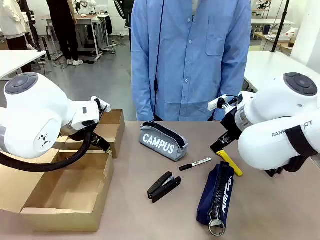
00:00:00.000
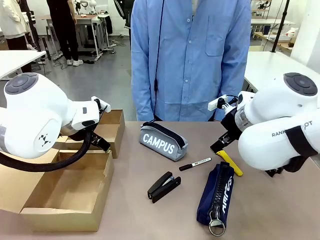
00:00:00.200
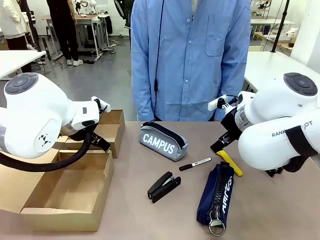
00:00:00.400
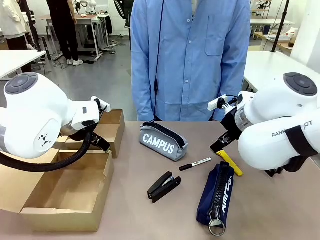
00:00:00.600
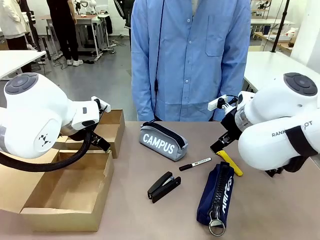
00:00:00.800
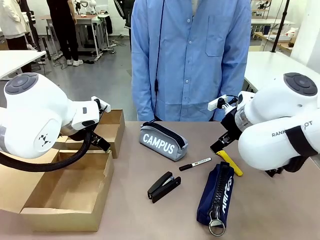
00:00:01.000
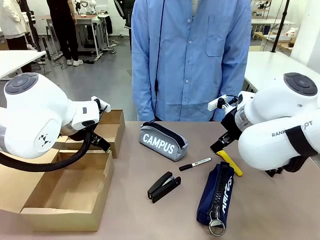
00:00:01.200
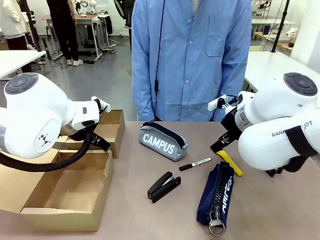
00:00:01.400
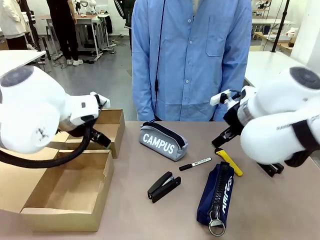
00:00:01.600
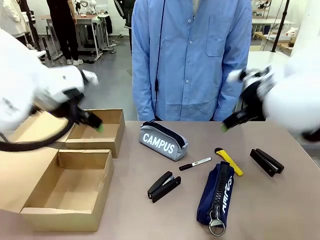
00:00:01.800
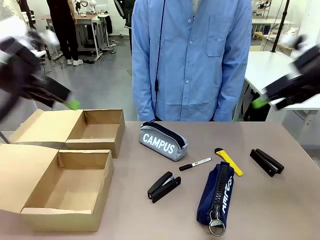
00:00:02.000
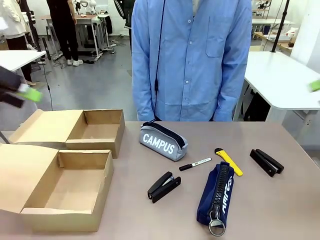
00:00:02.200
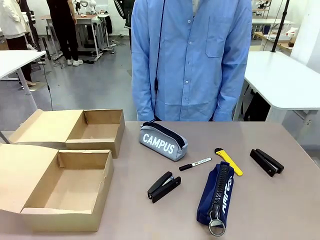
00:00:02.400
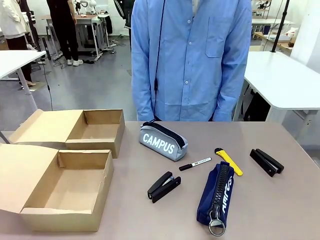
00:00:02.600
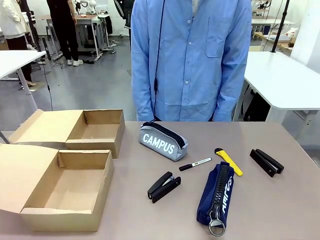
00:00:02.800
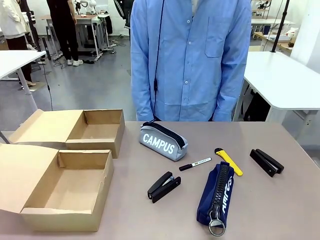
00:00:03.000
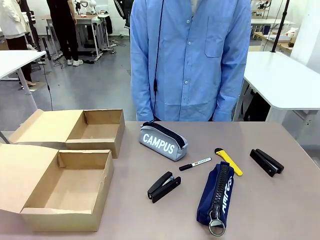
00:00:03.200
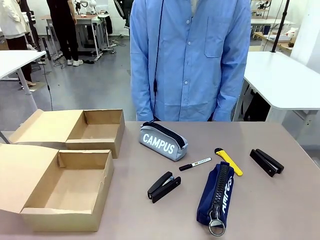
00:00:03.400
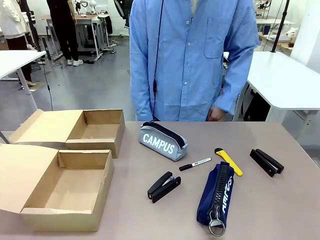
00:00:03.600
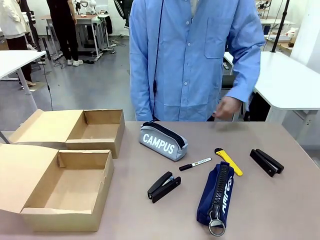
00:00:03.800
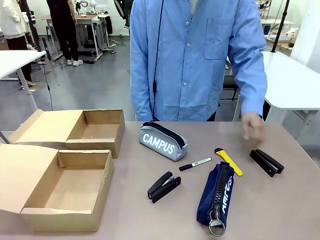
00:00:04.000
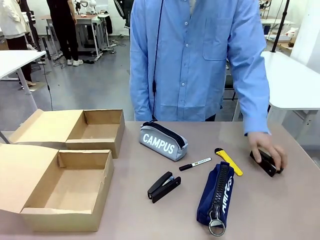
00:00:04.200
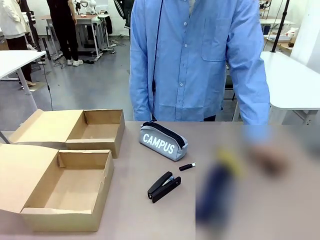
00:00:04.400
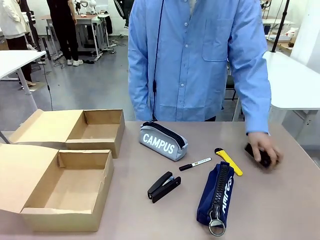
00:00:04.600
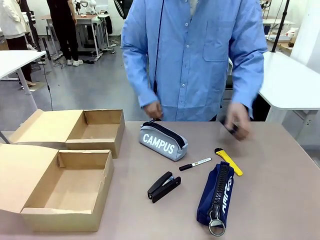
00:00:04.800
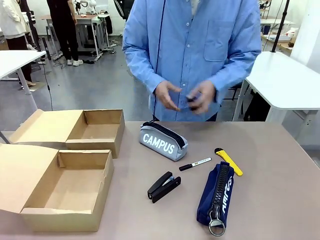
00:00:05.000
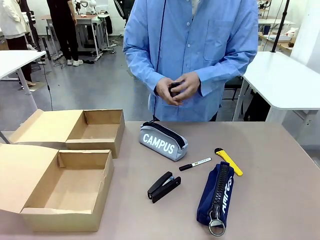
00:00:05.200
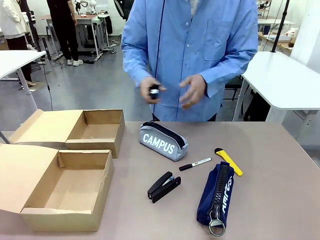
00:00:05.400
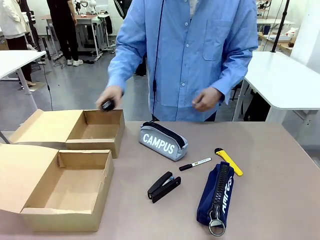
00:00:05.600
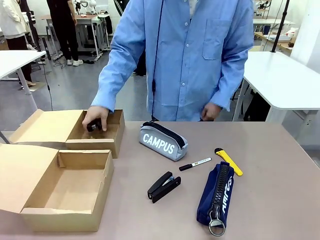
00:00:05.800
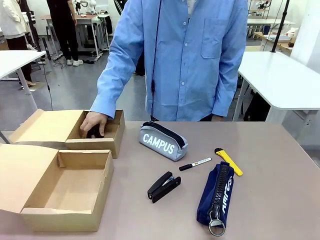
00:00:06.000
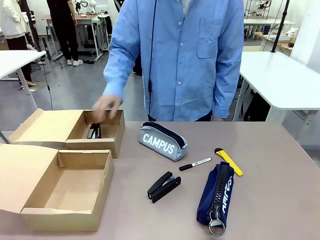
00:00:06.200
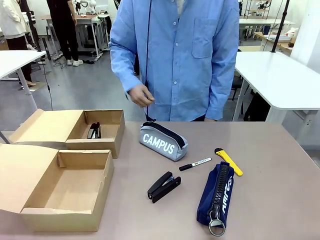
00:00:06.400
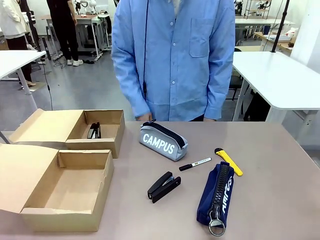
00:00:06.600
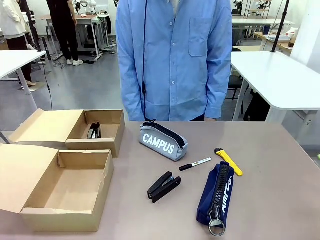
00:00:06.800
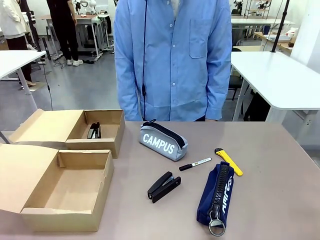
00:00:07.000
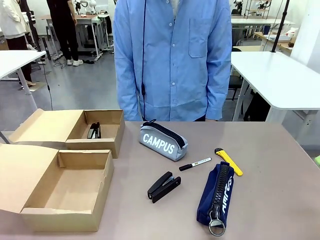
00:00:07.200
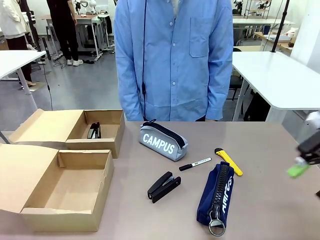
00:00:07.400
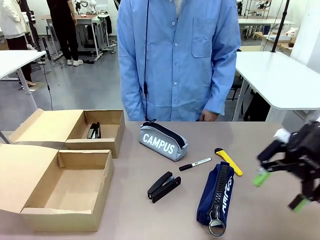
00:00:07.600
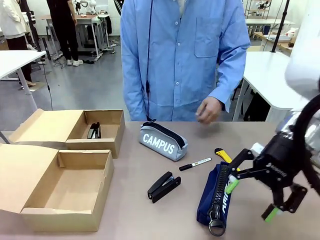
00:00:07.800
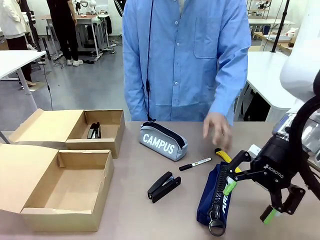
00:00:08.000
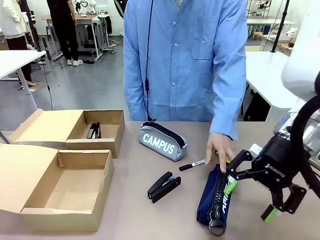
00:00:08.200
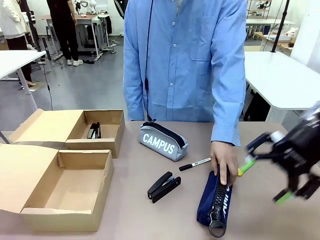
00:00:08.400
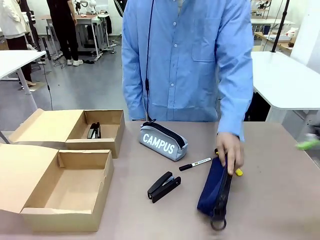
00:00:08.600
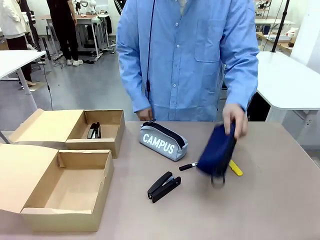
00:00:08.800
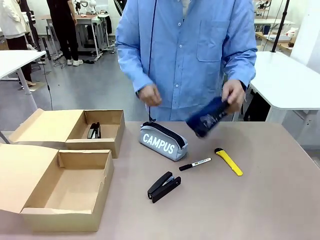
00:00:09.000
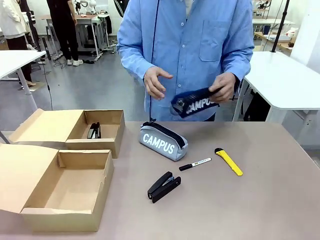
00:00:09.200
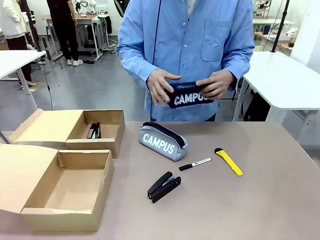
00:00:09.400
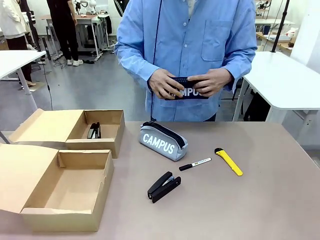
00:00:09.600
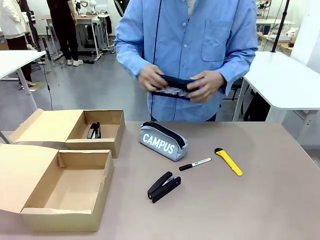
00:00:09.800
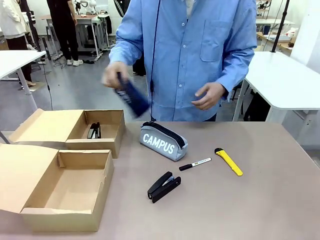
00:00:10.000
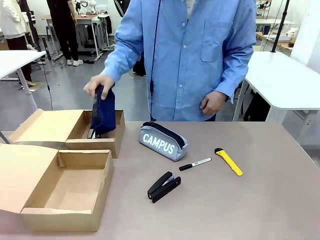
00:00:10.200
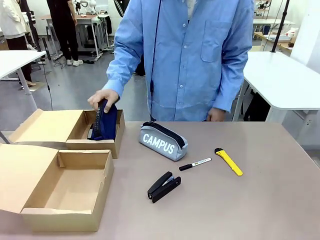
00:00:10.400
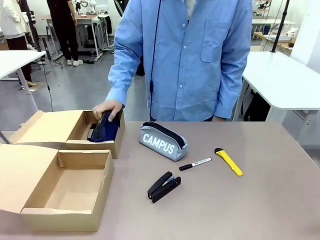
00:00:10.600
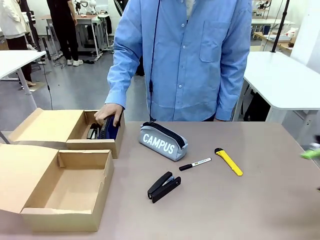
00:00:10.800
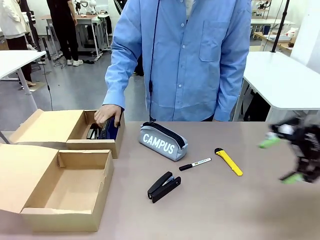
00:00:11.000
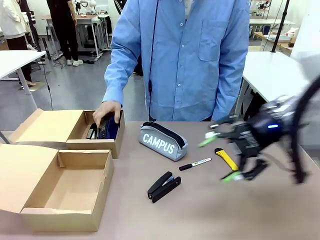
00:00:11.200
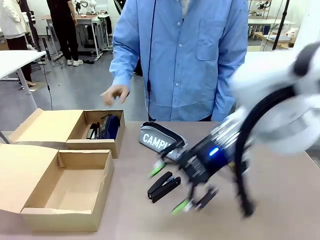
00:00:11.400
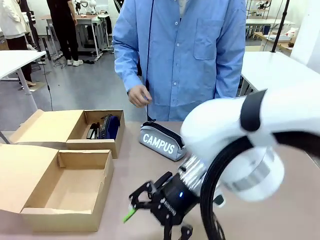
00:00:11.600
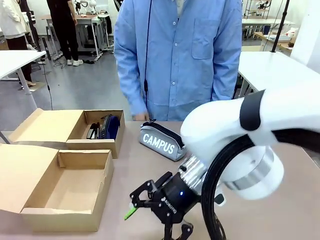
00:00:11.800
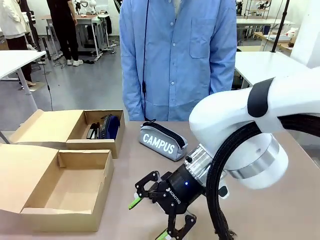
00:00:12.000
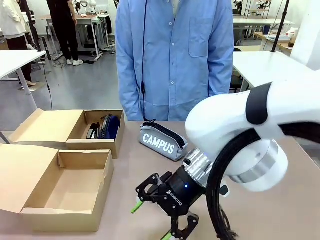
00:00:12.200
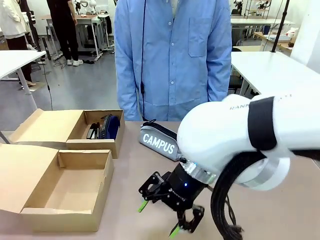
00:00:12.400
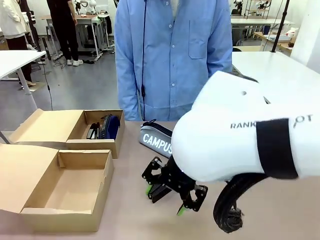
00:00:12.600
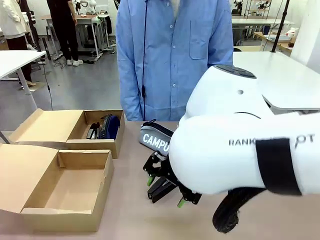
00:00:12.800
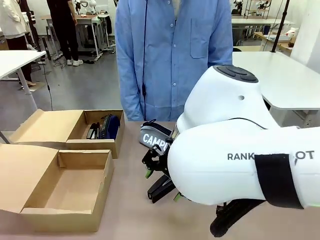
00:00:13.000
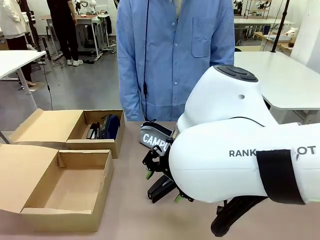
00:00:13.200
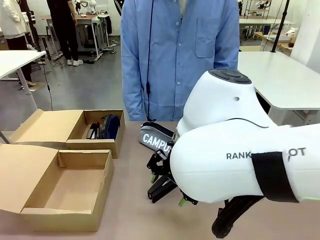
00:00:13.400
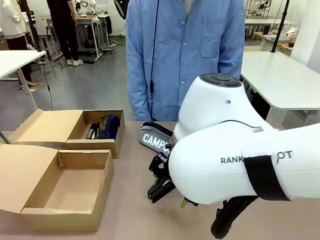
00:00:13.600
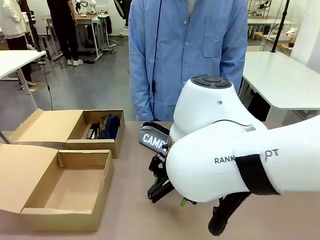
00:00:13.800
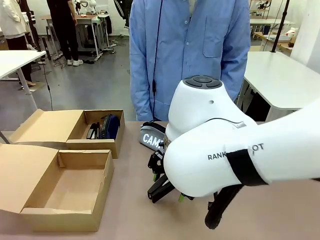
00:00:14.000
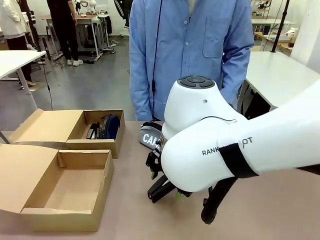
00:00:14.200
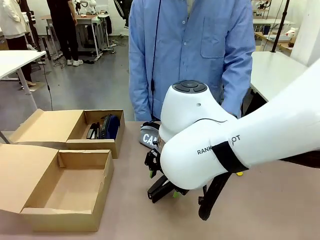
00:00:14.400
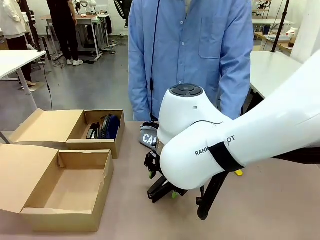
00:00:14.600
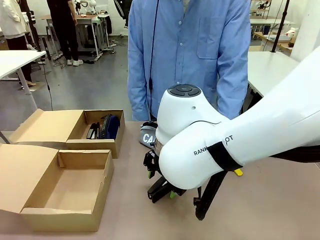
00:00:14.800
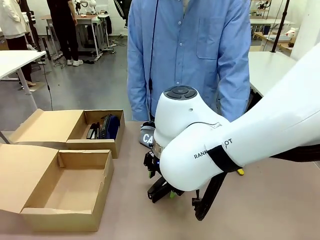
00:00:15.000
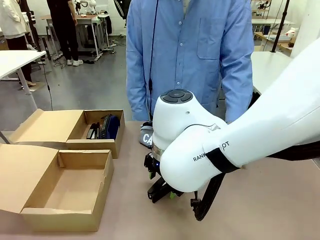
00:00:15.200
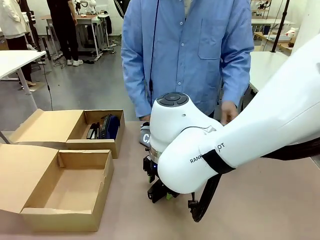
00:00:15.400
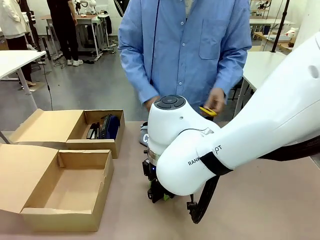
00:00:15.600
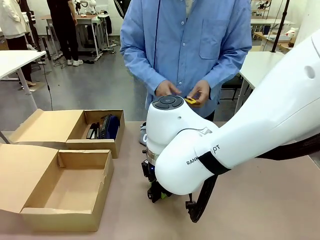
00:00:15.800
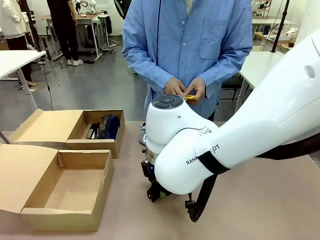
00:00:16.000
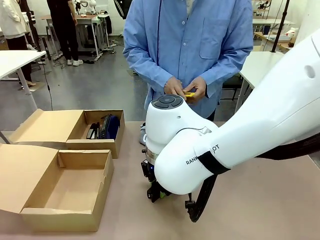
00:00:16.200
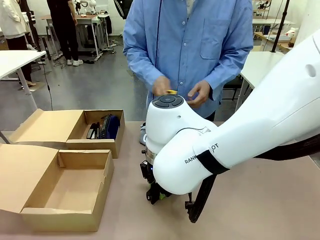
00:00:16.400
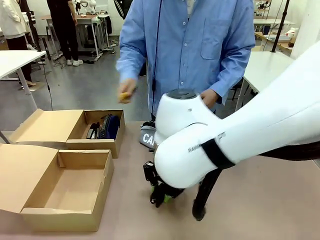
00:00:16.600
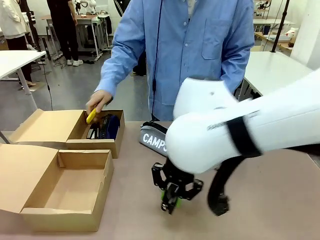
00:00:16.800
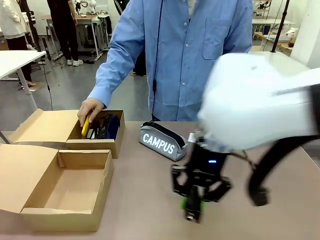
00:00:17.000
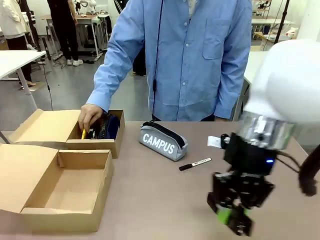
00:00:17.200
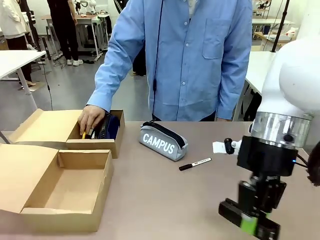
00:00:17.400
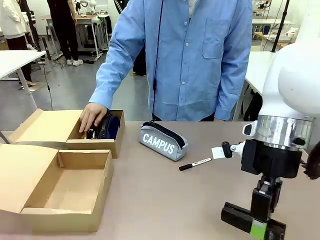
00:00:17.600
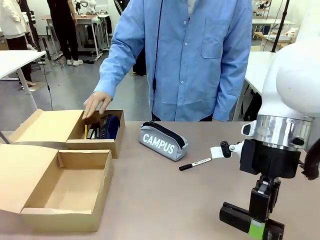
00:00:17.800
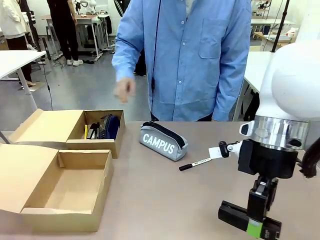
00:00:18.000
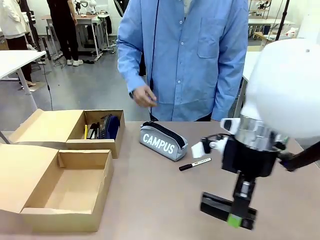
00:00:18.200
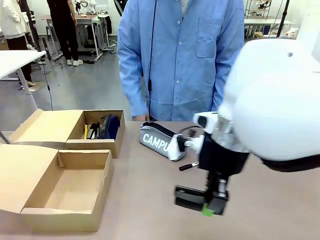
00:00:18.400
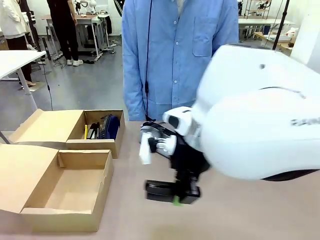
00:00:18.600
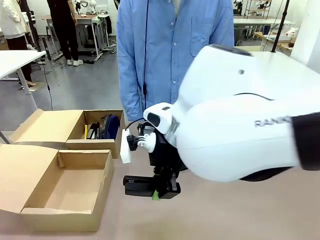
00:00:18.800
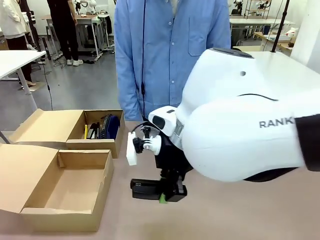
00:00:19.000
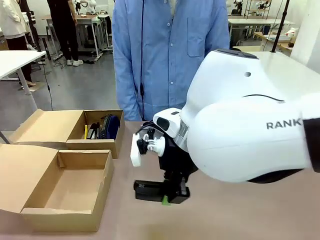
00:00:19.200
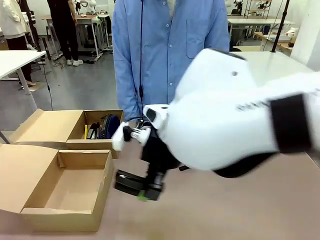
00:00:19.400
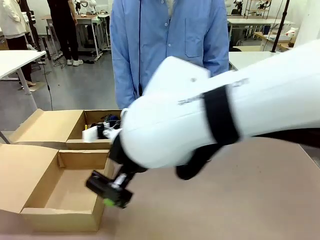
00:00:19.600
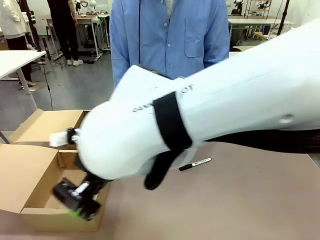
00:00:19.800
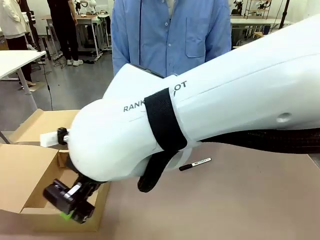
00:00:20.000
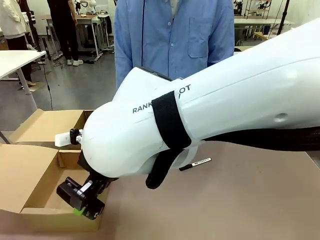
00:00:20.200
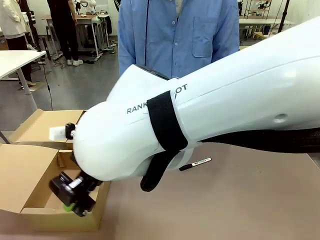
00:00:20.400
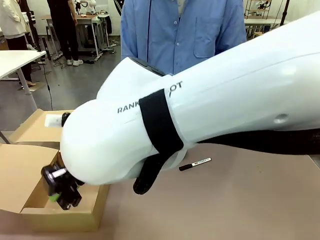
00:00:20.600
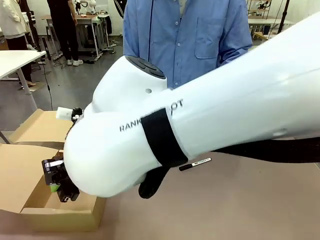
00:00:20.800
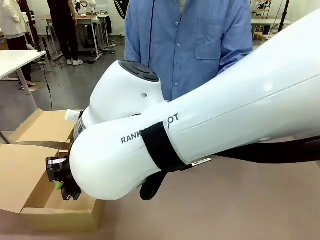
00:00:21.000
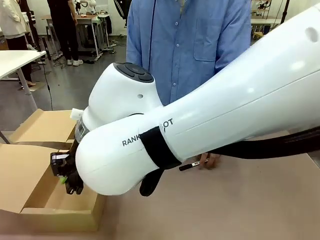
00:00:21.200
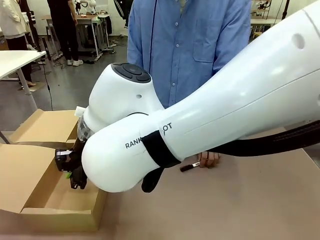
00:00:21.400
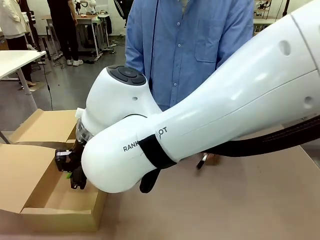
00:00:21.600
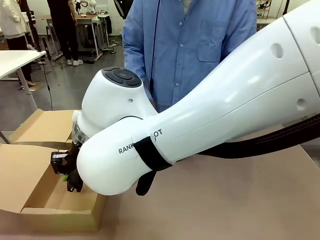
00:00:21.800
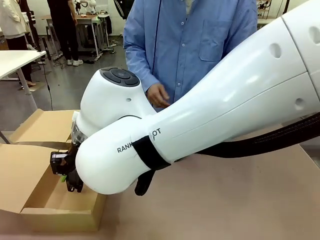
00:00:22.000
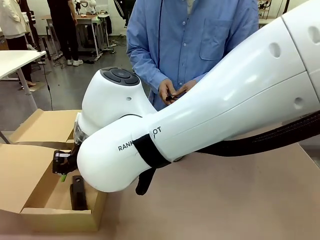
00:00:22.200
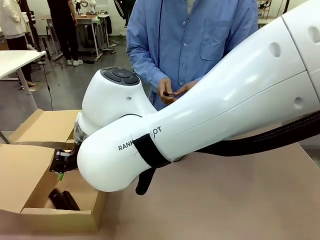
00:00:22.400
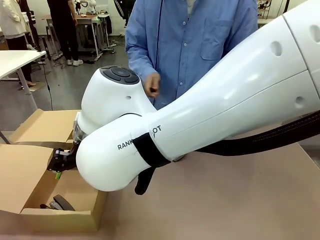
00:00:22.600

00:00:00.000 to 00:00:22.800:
Task: Place items inside the box.
Robot: Pick up a Pencil pouch or Stapler and place it inside the Mailer Box closest to the robot.
Person: Pick up an object on the table and put it in the box.
